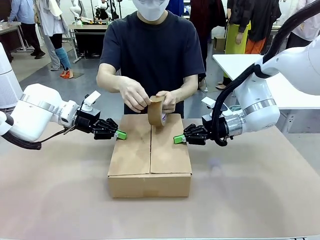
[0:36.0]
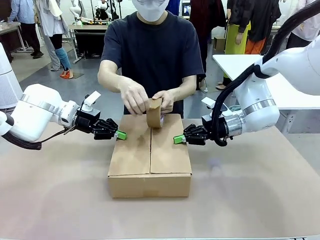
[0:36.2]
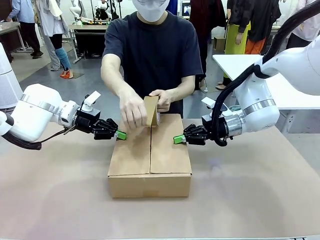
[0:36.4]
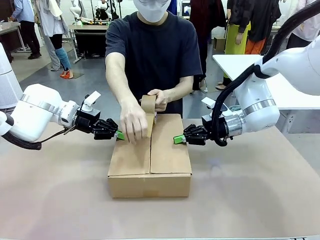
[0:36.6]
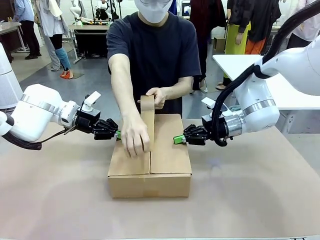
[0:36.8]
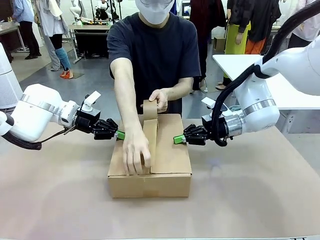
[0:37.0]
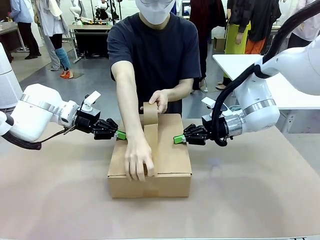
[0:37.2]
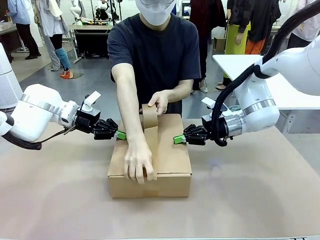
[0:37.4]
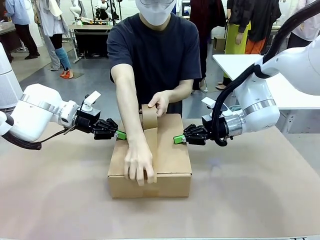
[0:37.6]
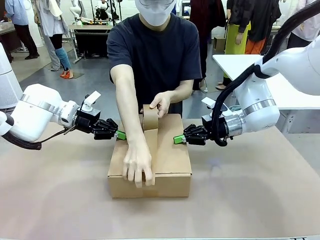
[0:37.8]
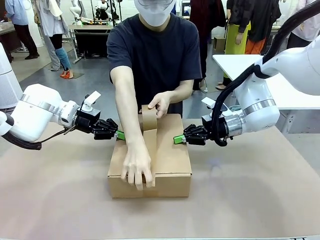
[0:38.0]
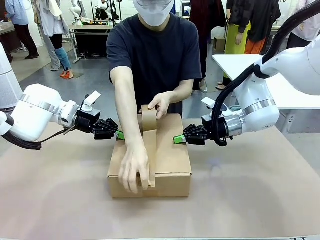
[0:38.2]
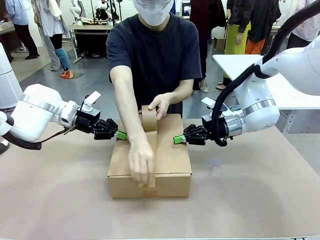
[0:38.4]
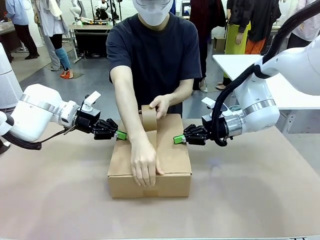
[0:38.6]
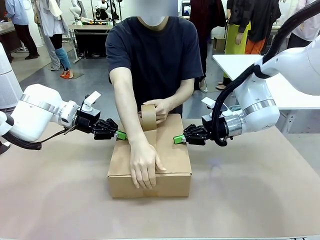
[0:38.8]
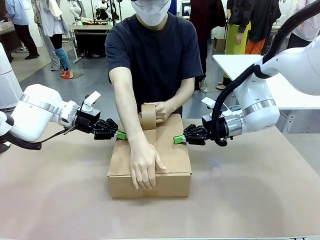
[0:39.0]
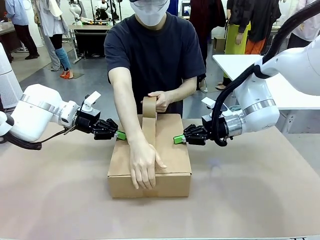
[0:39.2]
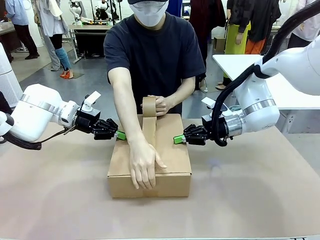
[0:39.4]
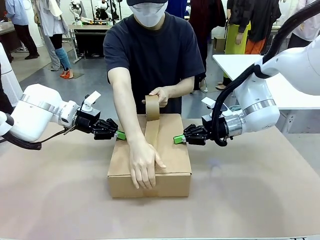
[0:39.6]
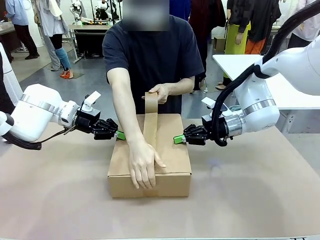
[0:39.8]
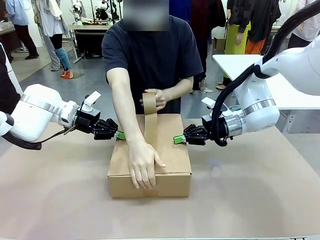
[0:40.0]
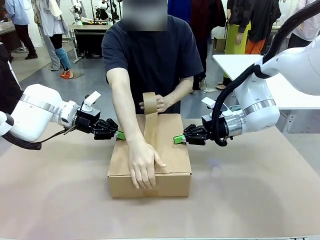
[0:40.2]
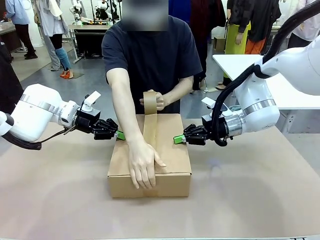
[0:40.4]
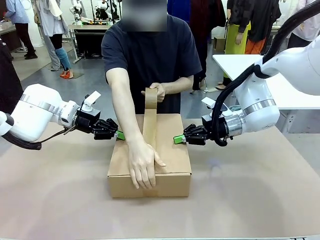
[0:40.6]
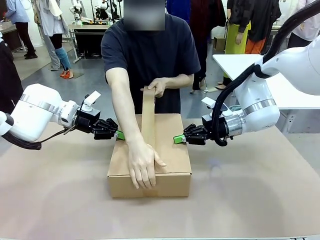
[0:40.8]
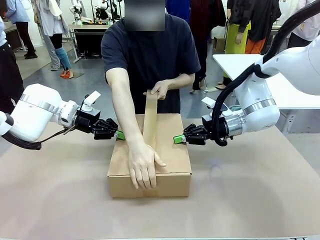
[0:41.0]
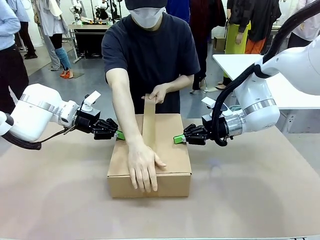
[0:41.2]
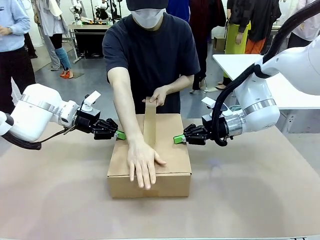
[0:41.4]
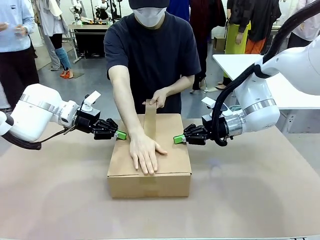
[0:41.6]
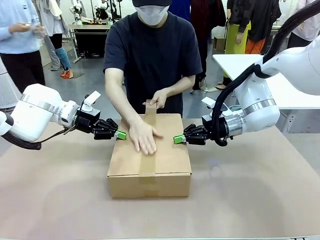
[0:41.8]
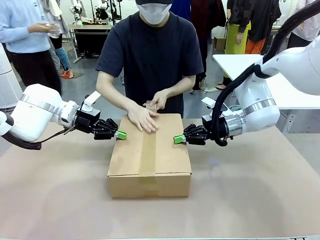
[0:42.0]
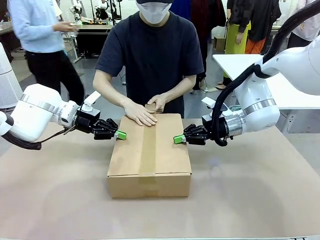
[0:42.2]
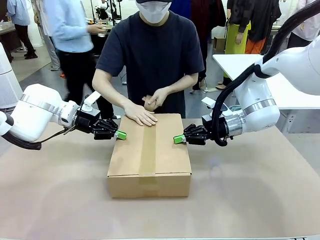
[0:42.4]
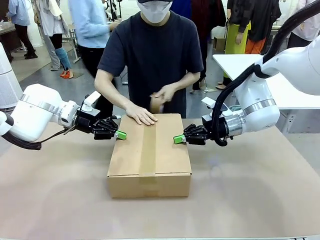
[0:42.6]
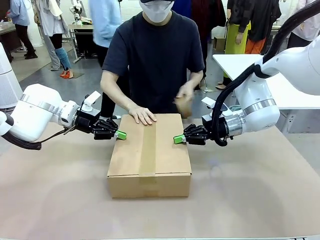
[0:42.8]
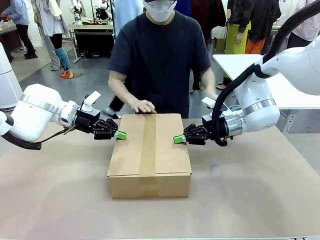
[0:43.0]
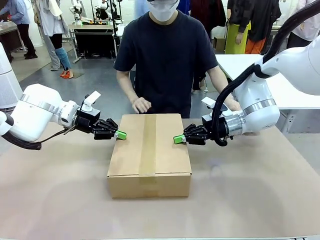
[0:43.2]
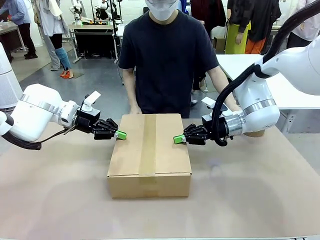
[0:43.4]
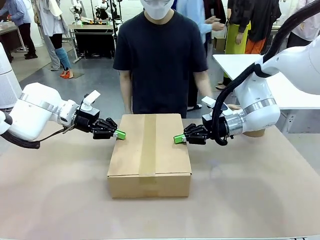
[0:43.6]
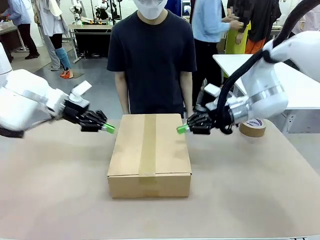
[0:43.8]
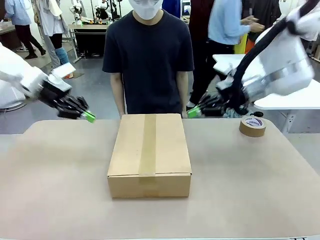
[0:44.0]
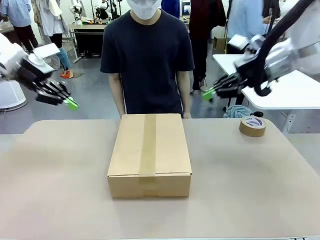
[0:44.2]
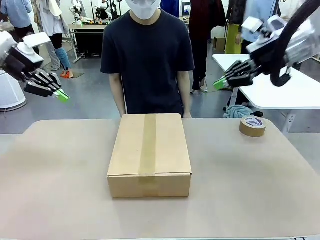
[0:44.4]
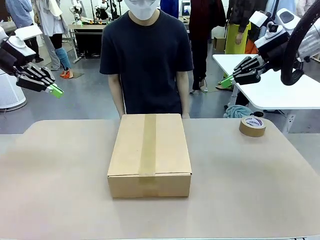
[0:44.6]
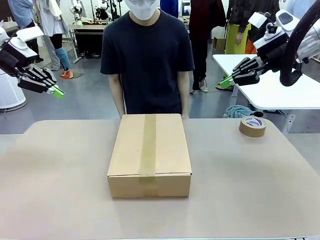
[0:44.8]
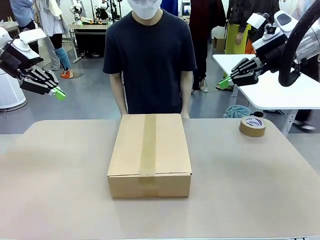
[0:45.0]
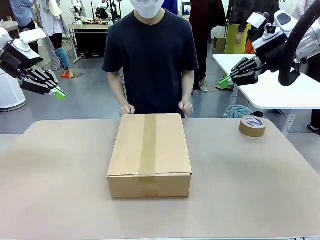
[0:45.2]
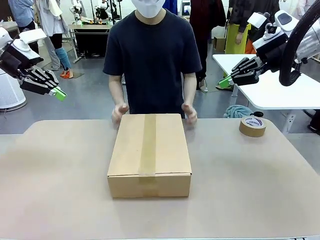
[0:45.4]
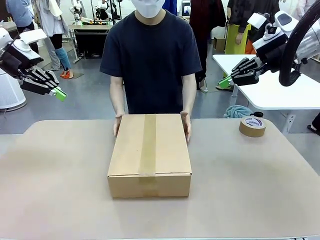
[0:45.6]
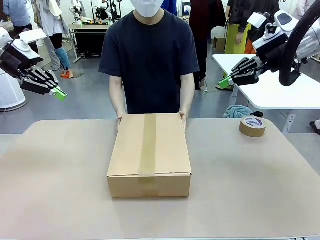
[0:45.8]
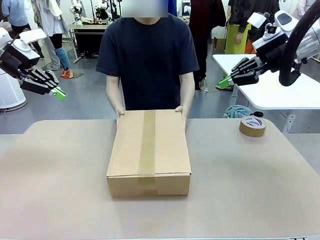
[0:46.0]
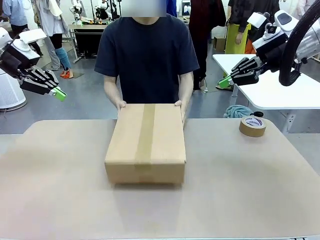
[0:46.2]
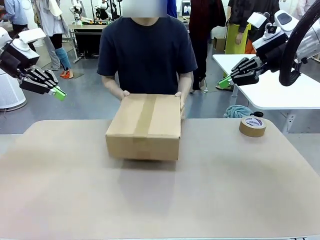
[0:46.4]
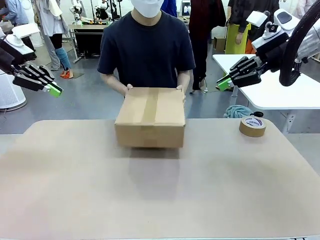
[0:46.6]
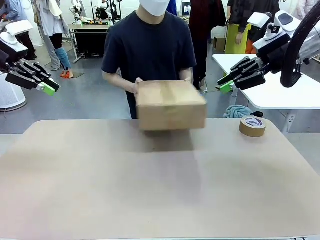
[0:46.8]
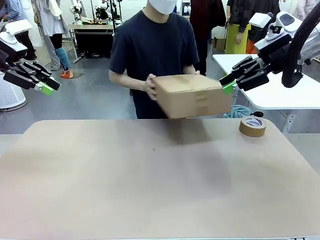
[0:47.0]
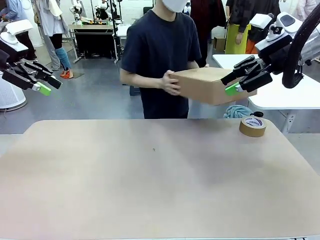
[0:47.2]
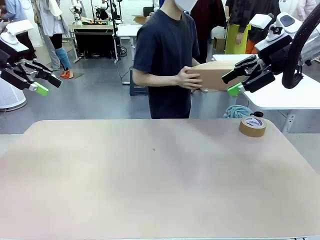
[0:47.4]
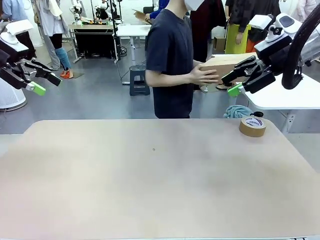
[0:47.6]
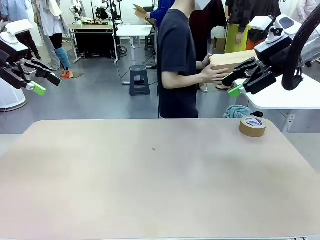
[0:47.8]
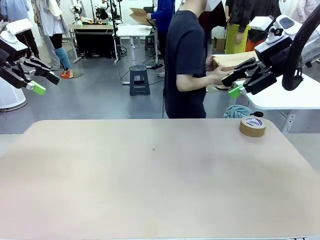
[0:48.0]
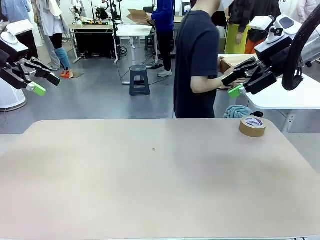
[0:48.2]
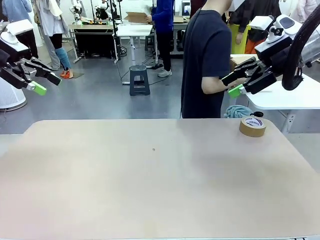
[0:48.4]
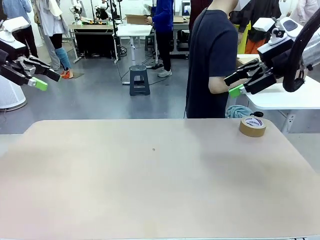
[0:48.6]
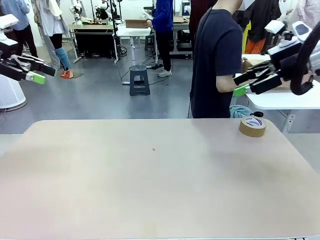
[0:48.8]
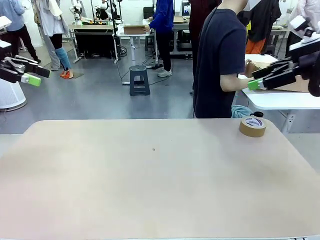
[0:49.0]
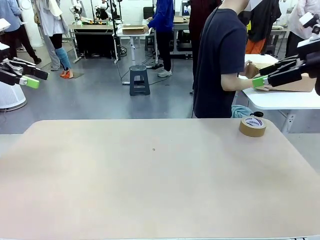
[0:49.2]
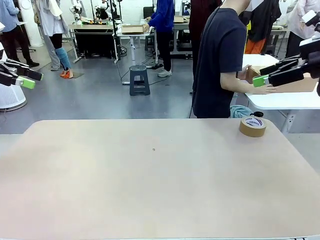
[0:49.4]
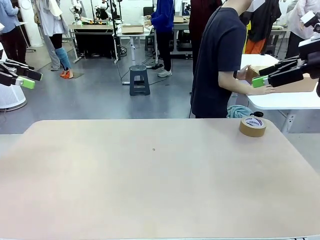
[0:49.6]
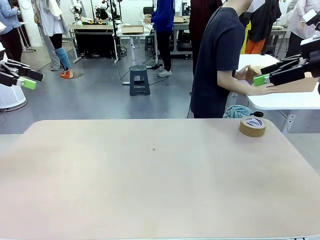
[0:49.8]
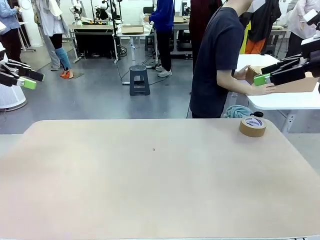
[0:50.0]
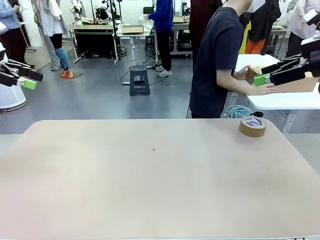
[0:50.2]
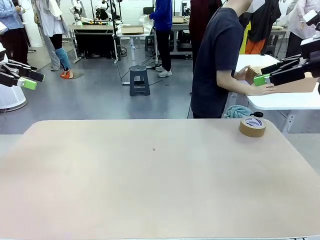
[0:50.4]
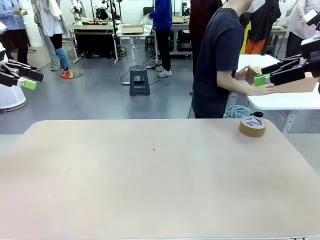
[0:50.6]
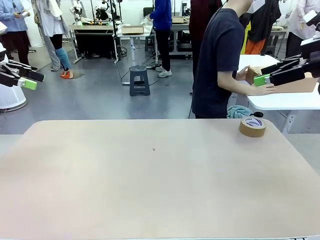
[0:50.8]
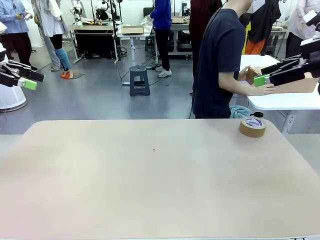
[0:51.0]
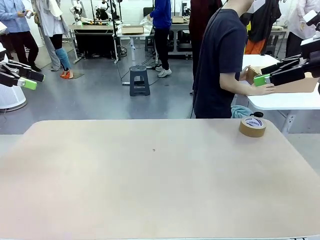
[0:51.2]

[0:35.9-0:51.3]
Task: Wrap the clocks to prevent damage.
Robot: After the human seals the box with tape, release both hands from the side flaps of the Package Box.
Person: Once the robot closes the left flap of the Package Box , seal the box with Paper Tape. Place sealed Package Box in the middle of the human's table.

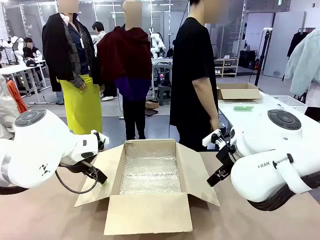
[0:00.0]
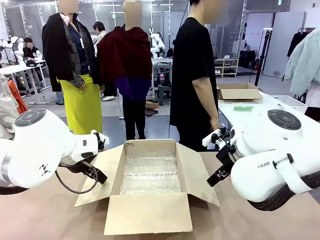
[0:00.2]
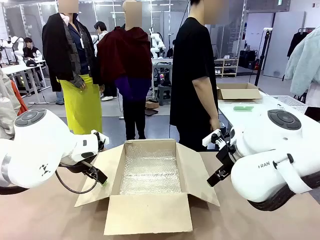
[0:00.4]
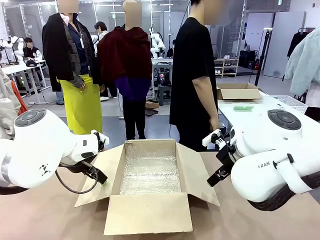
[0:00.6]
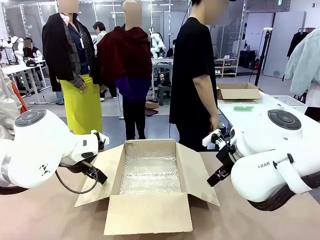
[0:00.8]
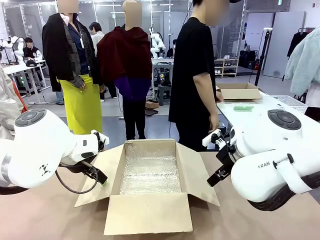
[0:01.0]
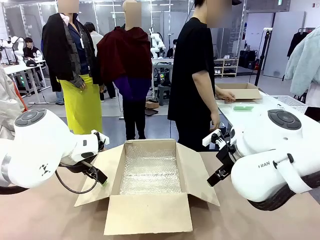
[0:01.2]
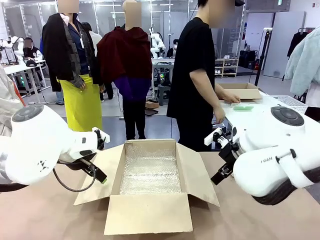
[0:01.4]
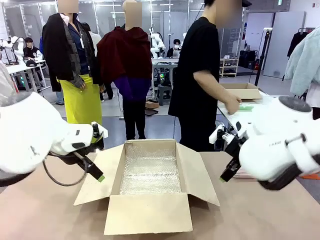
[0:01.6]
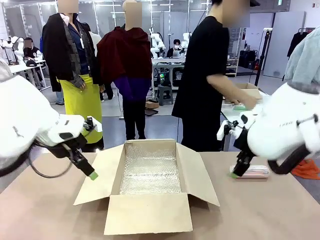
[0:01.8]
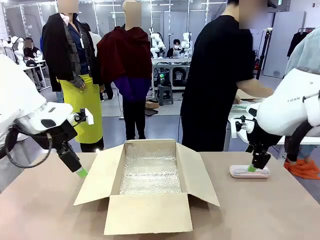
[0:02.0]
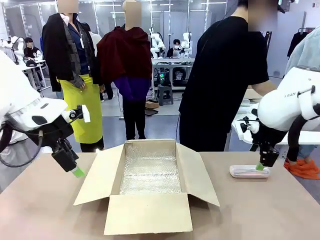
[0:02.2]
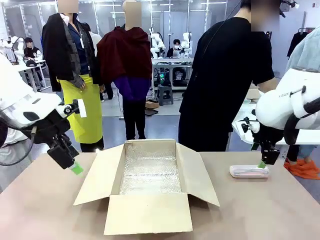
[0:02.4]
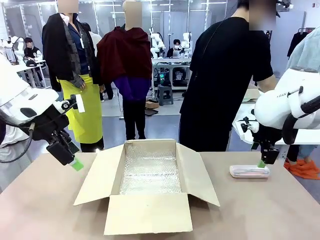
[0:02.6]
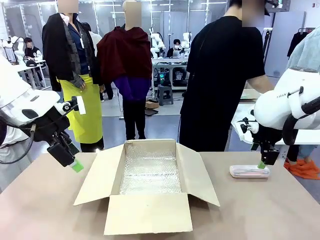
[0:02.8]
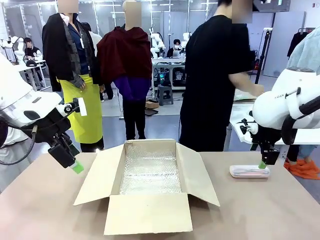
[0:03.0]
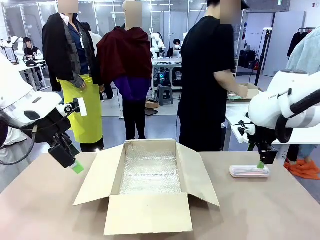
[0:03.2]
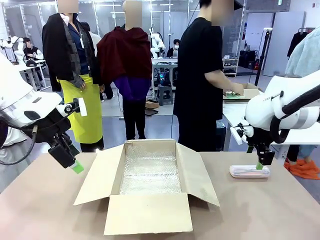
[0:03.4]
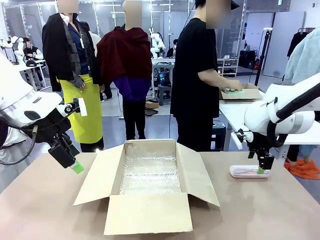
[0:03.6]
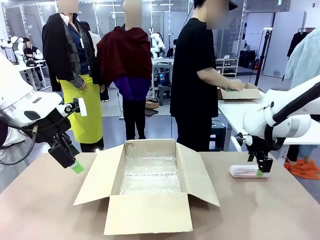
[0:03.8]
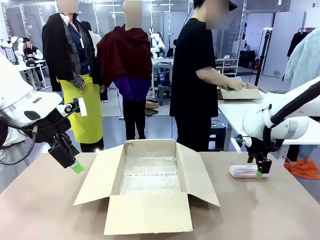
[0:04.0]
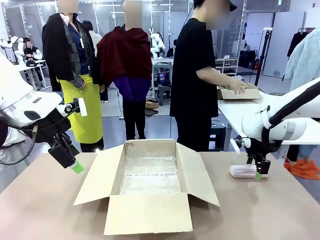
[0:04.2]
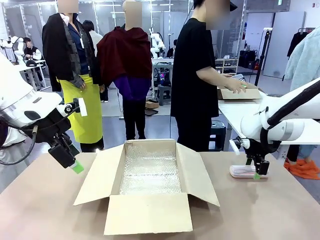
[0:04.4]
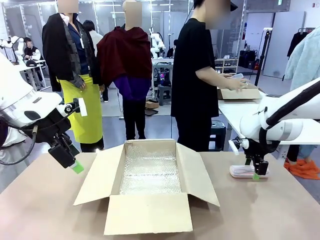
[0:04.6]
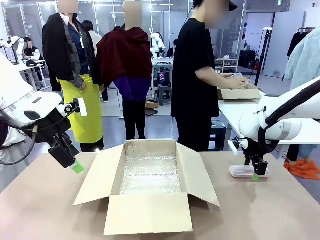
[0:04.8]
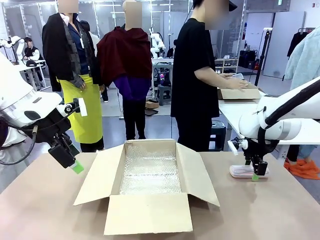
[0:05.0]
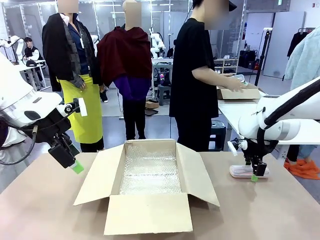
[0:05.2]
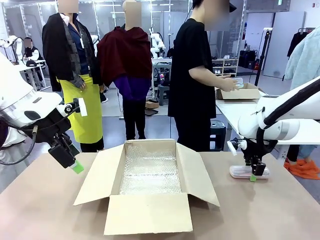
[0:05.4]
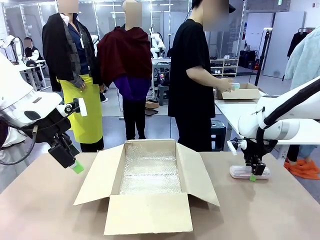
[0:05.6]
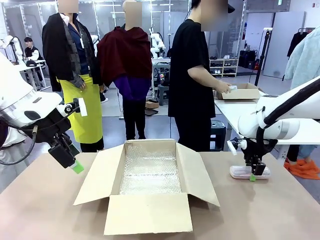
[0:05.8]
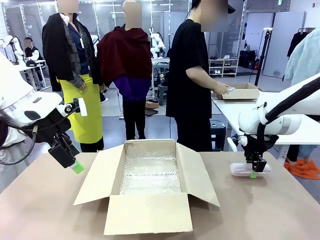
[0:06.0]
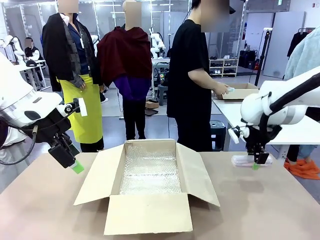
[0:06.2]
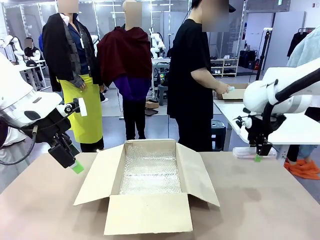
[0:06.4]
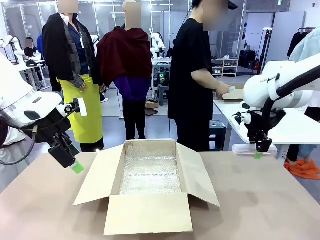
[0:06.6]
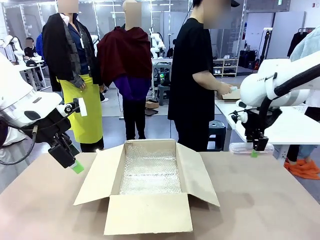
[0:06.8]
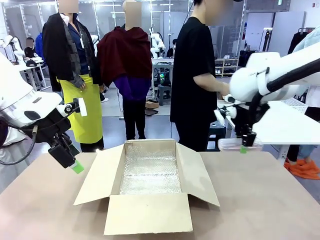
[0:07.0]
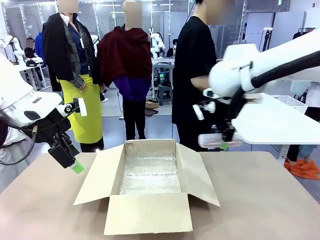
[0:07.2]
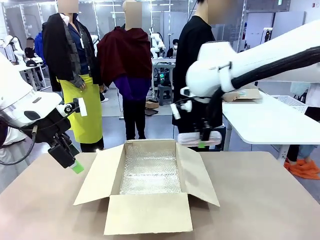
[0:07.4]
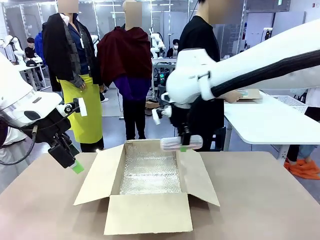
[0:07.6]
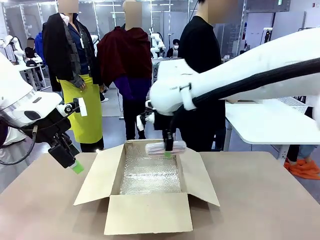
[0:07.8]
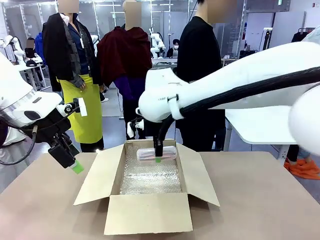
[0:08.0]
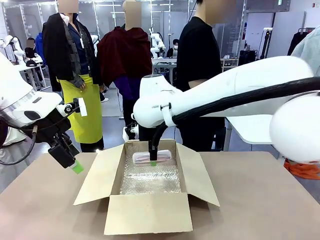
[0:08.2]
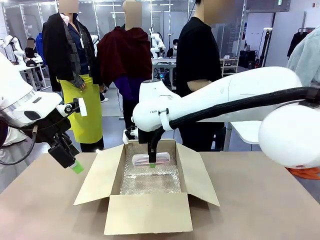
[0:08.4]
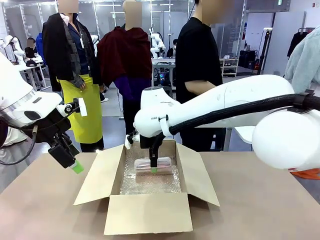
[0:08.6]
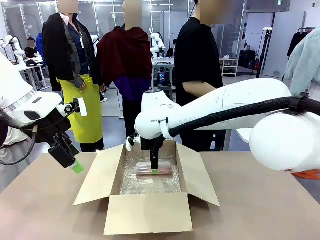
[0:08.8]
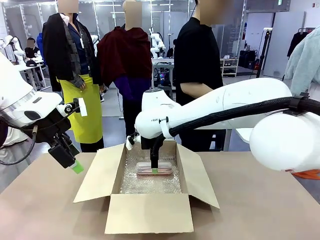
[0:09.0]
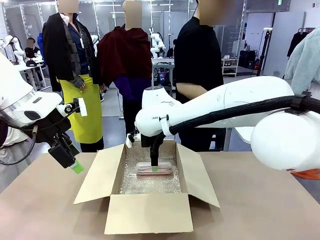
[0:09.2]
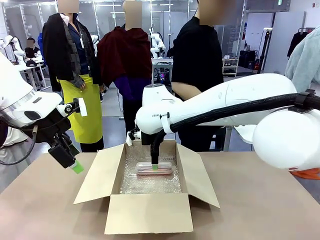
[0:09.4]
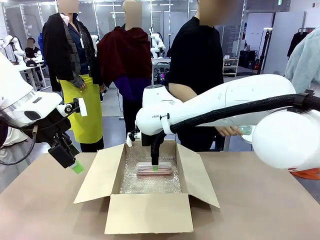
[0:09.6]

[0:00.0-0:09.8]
Task: Pack the glasses set securely to prepare it for shipping.
Robot: Place the Glasses case inside the Package Box.
Person: Place the Glasses inside the Glasses case. Position the Glasses case on the left side of the robot's table.
